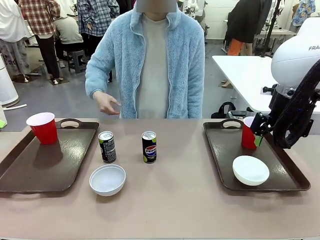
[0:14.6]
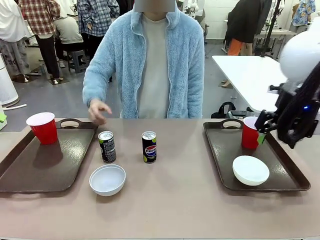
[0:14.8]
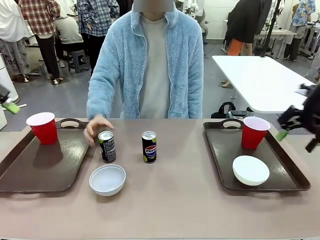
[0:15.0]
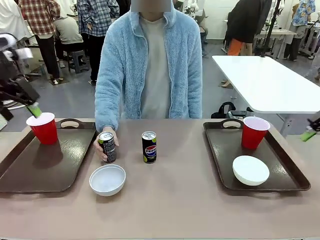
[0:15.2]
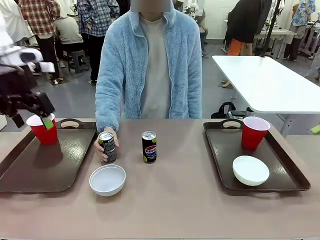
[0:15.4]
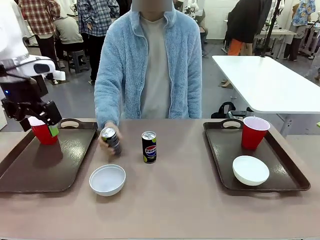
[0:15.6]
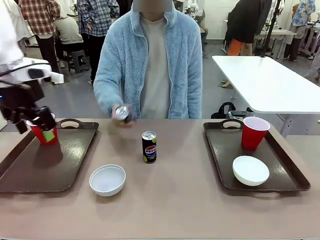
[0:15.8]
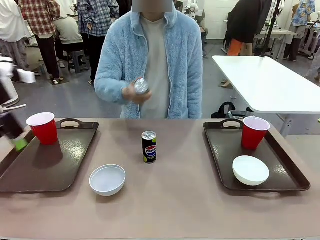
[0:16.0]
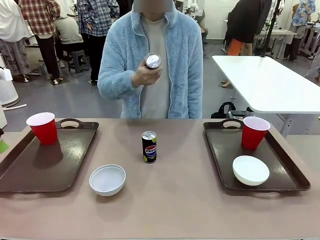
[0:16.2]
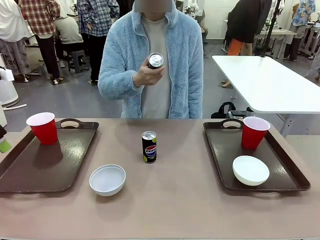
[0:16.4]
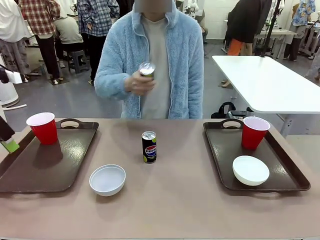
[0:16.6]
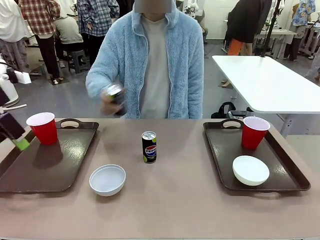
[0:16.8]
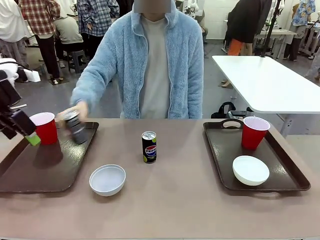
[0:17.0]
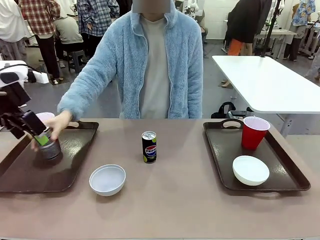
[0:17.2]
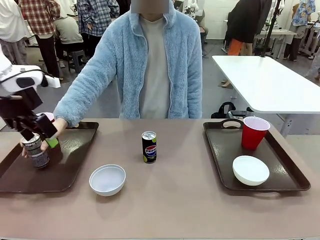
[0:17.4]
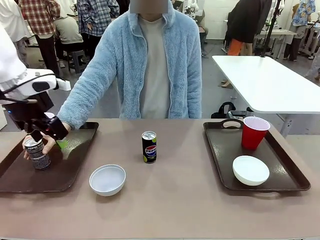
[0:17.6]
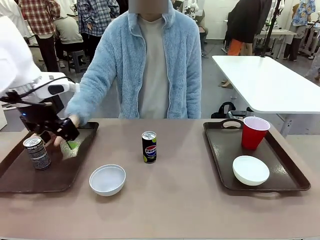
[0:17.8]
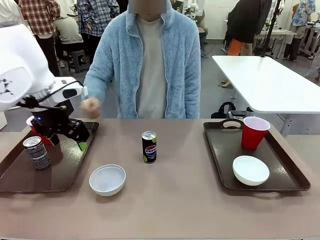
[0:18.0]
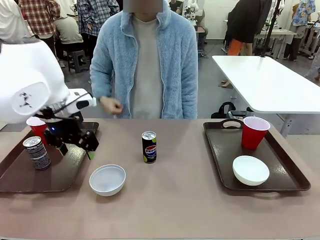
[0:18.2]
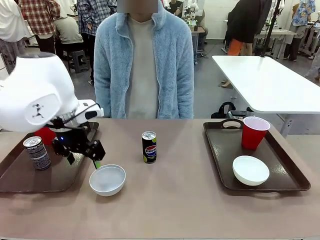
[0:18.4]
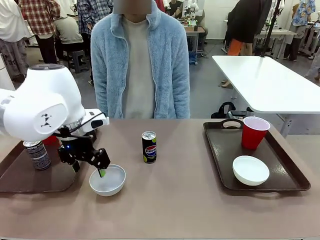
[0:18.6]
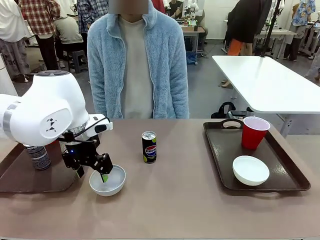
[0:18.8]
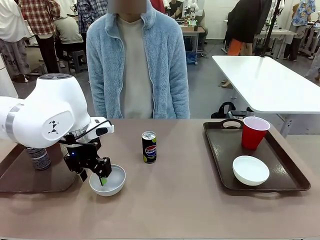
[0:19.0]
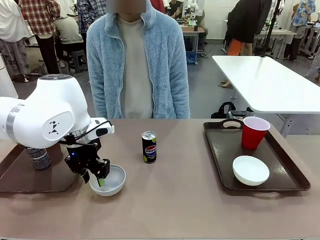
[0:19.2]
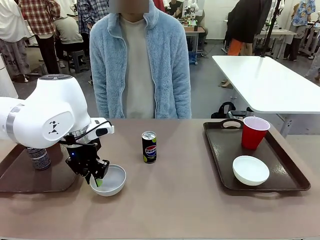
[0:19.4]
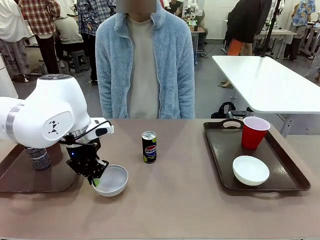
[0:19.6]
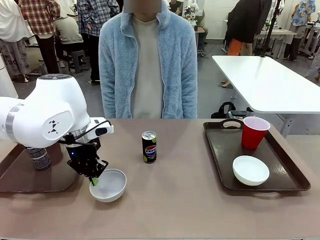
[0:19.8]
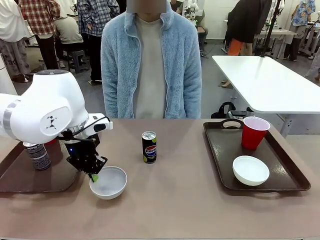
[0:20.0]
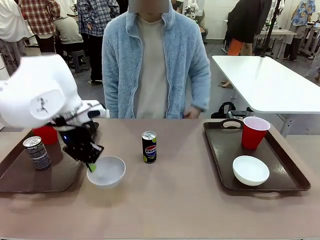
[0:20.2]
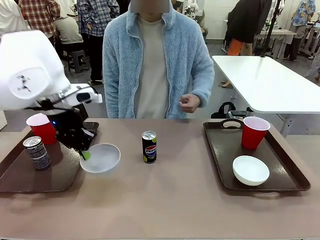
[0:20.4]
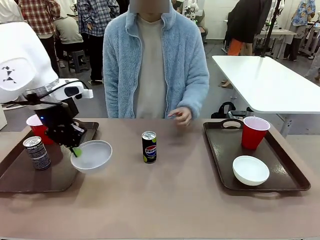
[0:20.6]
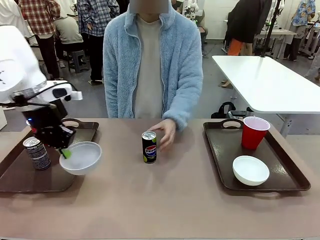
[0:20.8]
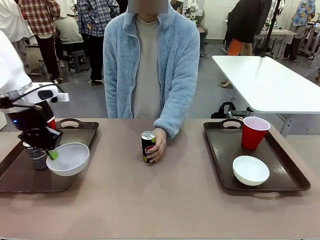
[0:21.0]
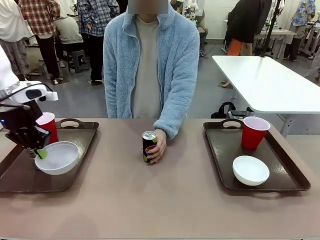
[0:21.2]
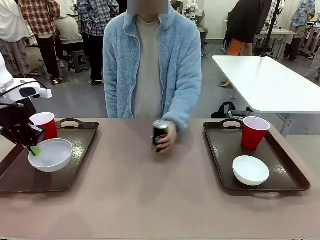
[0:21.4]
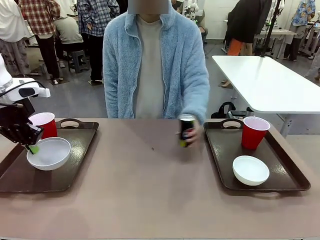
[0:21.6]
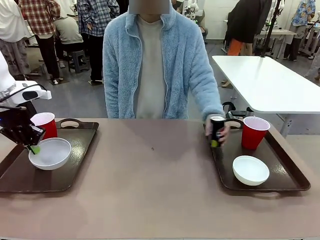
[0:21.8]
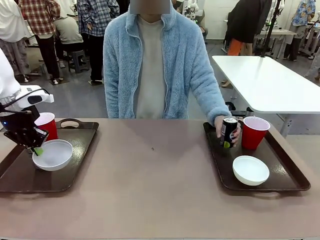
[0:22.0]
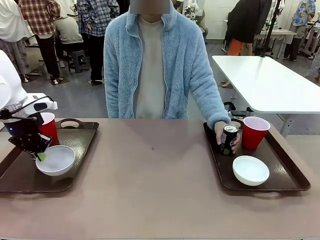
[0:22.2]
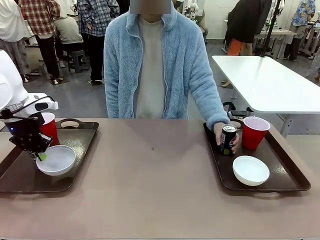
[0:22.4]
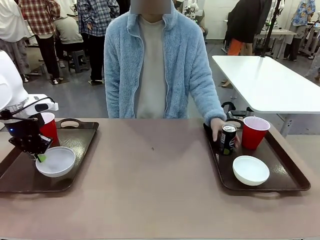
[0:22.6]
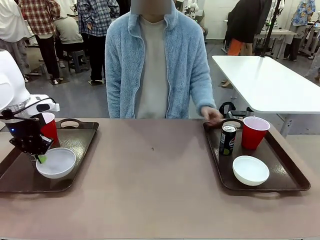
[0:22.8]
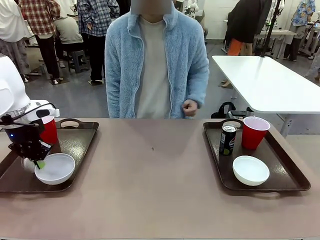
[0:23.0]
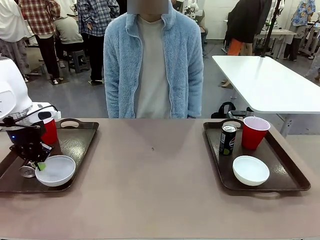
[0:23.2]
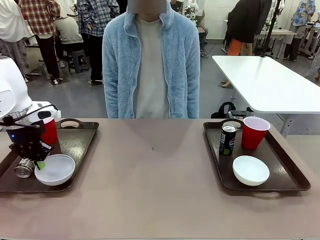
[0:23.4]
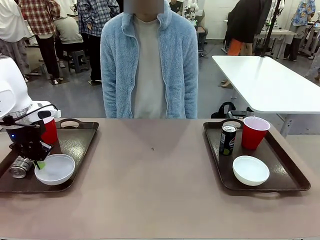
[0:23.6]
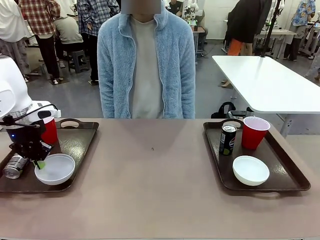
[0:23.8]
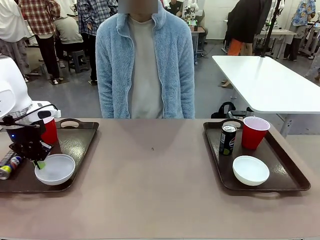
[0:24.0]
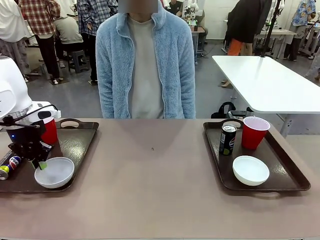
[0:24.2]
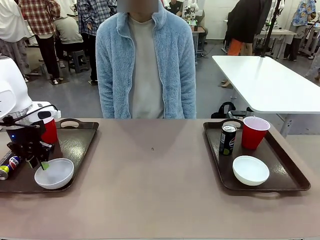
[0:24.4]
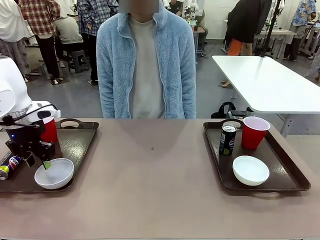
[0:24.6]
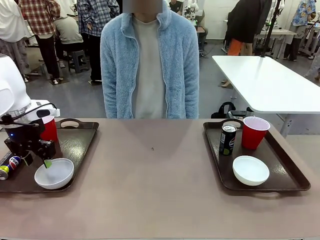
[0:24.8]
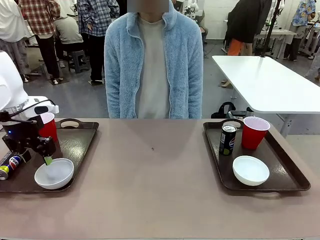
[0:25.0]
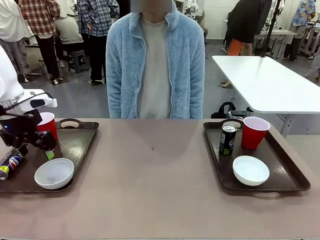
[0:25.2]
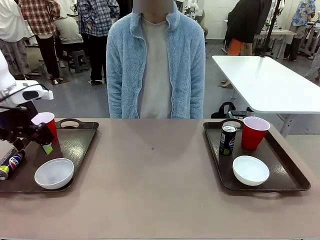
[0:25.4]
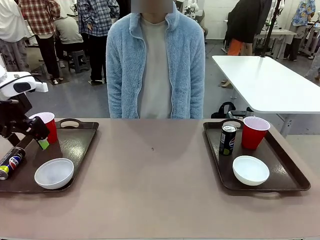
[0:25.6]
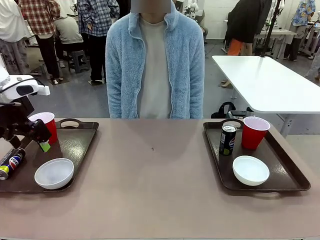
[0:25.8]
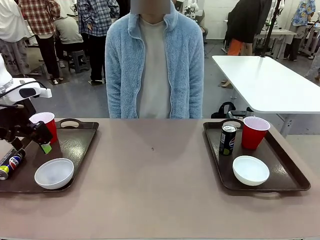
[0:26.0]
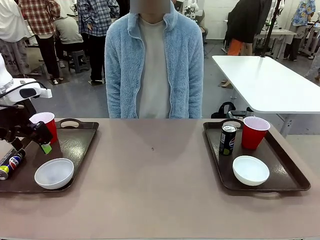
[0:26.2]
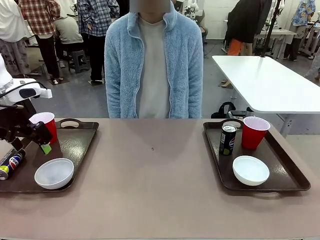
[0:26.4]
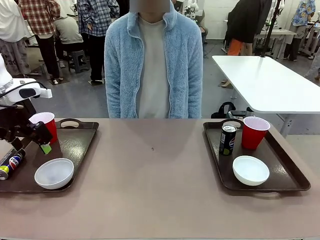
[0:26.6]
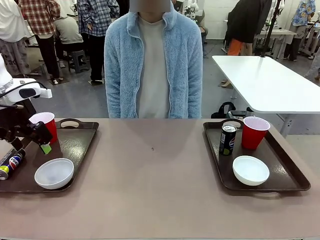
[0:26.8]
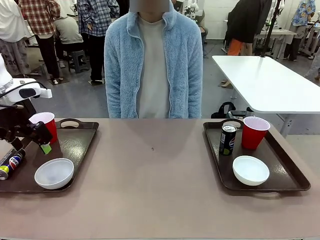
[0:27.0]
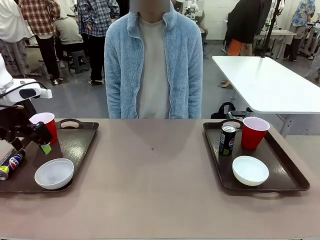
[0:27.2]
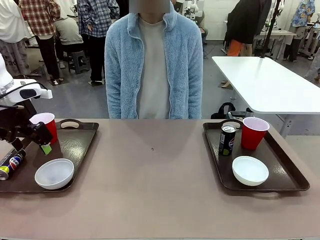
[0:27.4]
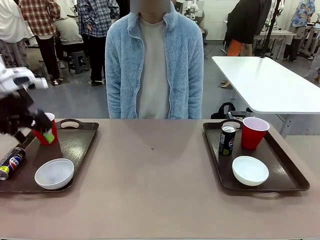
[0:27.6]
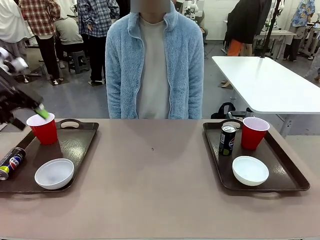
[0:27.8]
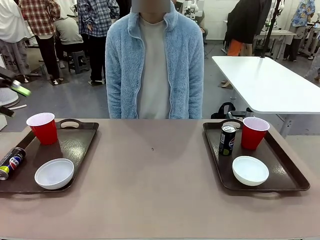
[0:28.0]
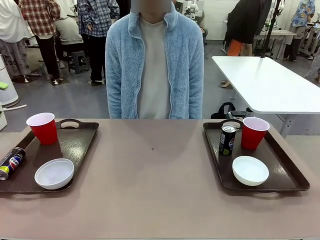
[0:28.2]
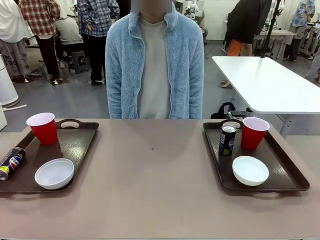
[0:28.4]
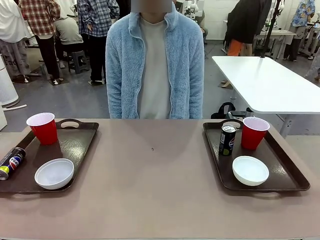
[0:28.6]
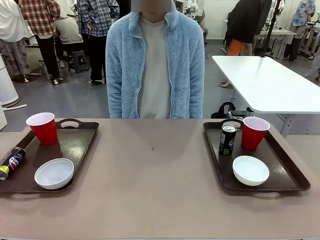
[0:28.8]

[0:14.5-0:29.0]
Task: Prepare tableware on both trays.
Robot: Pick up a Picnic Bowl from the table and place it on a Handle tray.
Person: Pick up a can or cup and place it on the tray without a can or cup.
